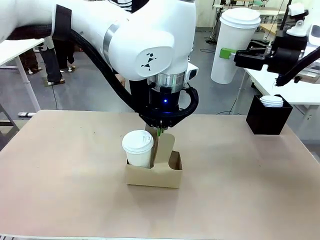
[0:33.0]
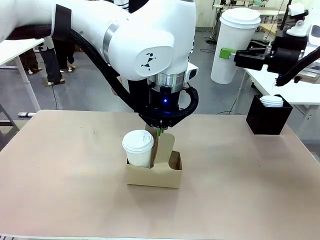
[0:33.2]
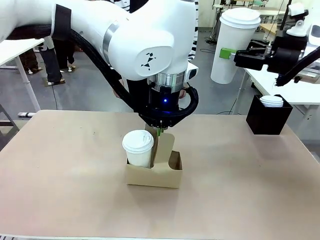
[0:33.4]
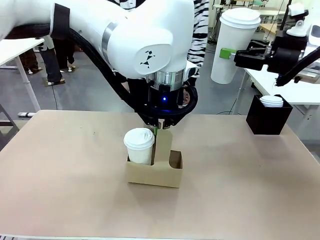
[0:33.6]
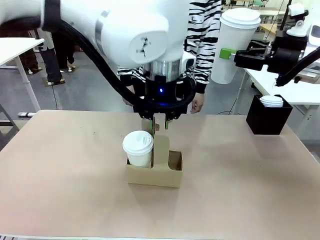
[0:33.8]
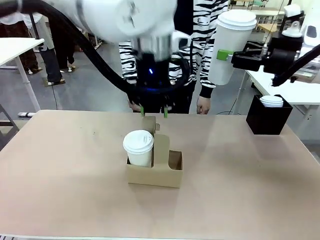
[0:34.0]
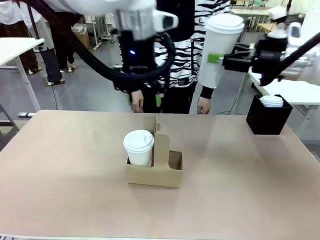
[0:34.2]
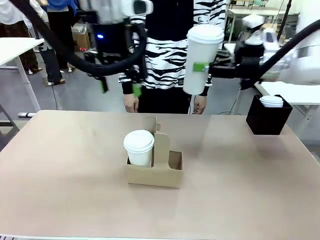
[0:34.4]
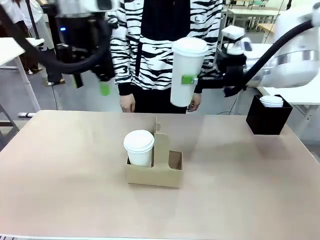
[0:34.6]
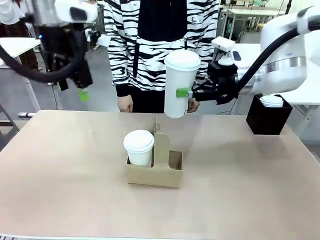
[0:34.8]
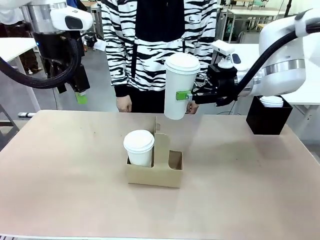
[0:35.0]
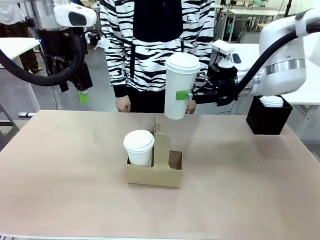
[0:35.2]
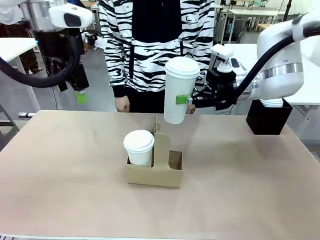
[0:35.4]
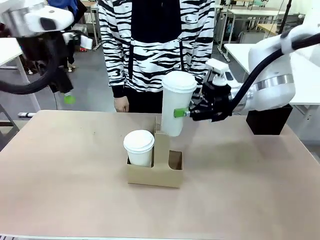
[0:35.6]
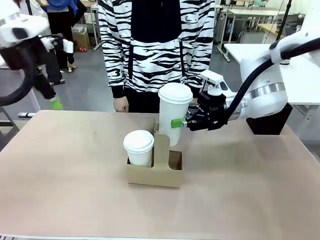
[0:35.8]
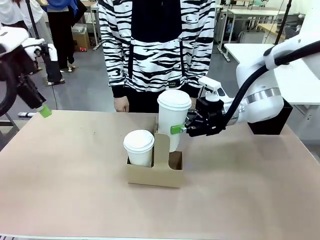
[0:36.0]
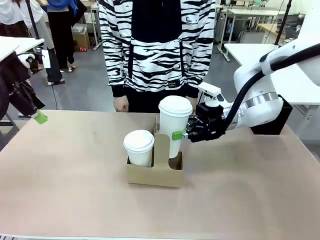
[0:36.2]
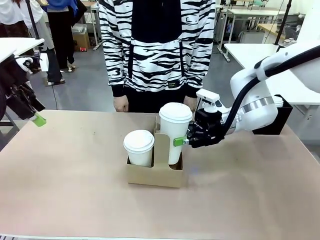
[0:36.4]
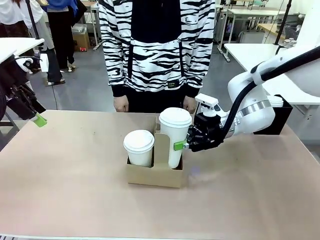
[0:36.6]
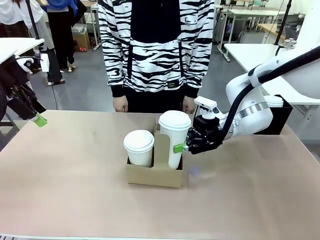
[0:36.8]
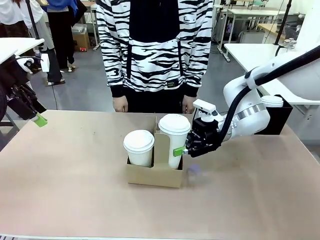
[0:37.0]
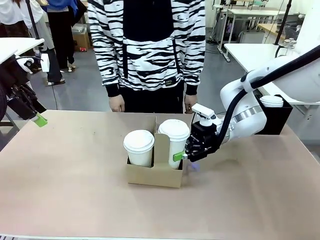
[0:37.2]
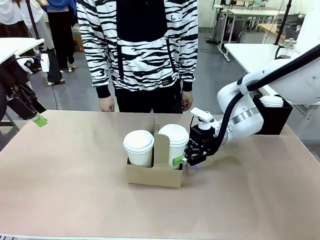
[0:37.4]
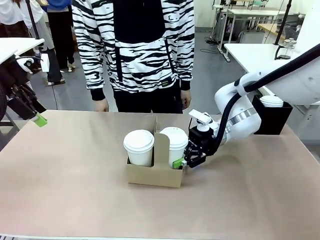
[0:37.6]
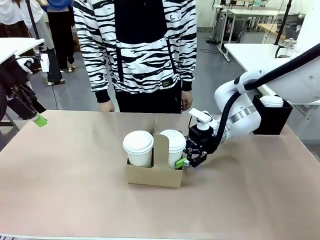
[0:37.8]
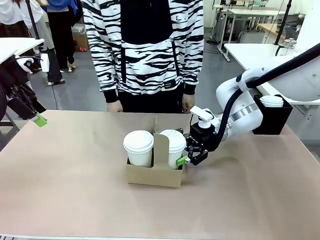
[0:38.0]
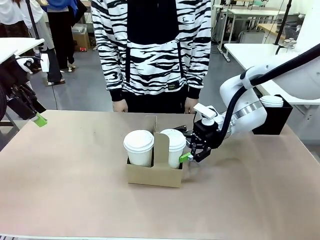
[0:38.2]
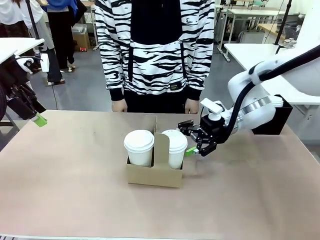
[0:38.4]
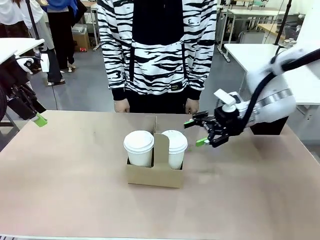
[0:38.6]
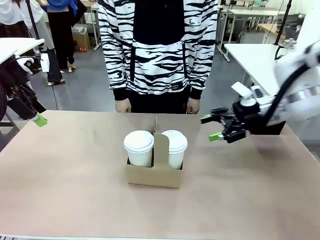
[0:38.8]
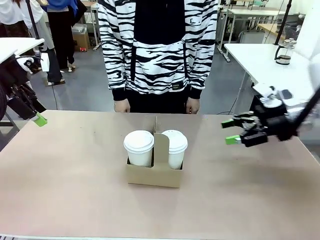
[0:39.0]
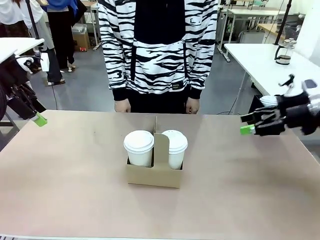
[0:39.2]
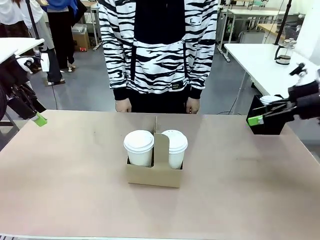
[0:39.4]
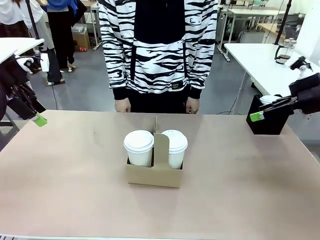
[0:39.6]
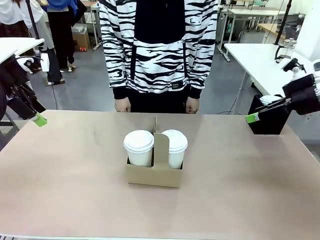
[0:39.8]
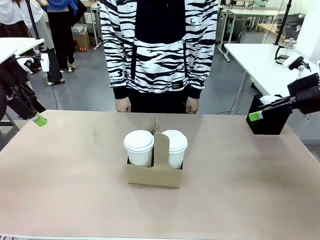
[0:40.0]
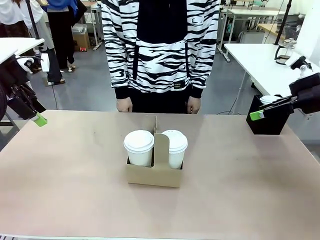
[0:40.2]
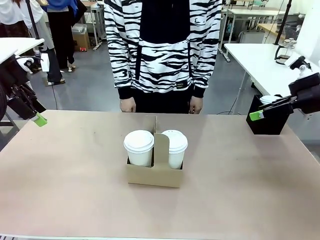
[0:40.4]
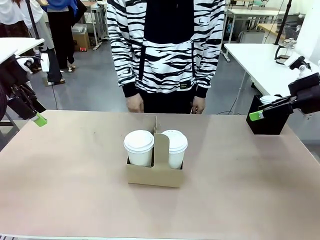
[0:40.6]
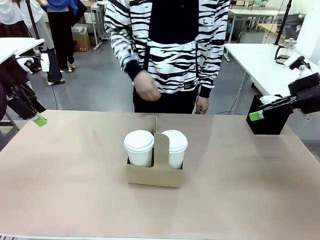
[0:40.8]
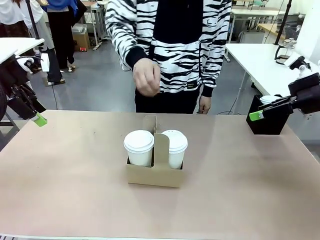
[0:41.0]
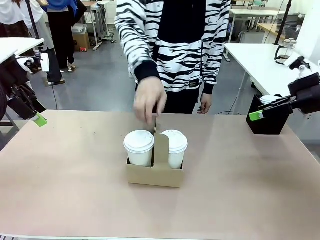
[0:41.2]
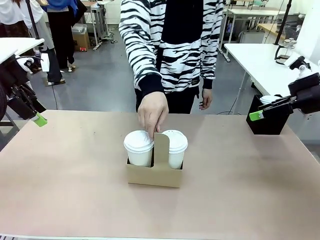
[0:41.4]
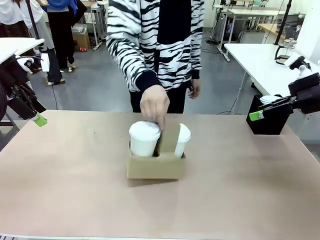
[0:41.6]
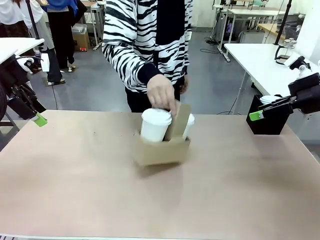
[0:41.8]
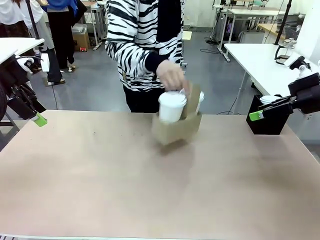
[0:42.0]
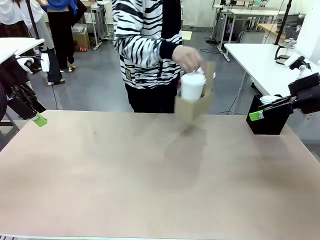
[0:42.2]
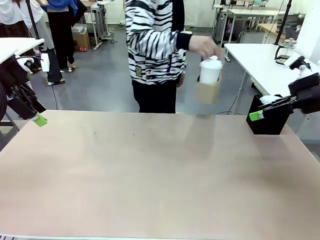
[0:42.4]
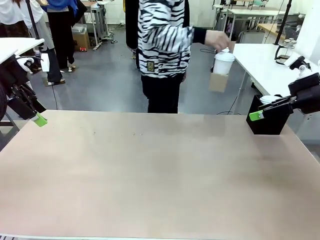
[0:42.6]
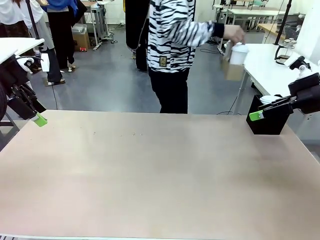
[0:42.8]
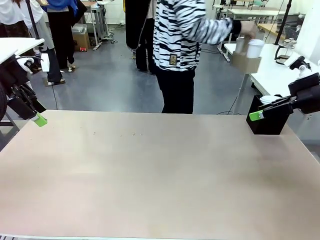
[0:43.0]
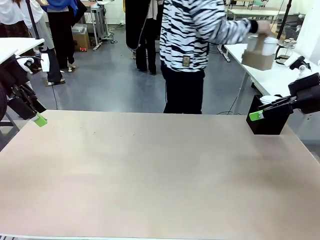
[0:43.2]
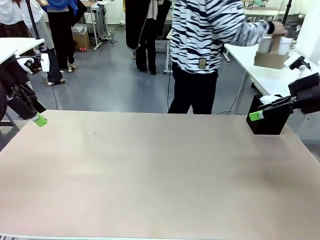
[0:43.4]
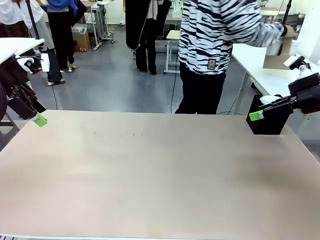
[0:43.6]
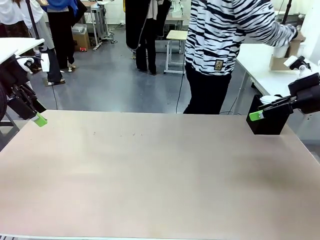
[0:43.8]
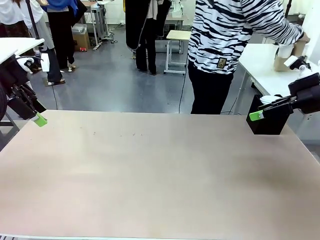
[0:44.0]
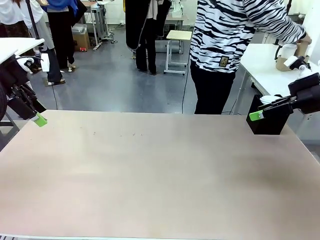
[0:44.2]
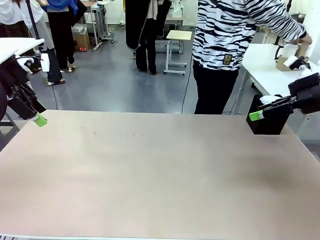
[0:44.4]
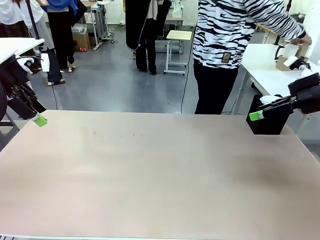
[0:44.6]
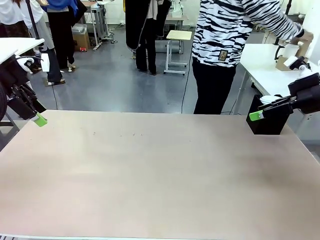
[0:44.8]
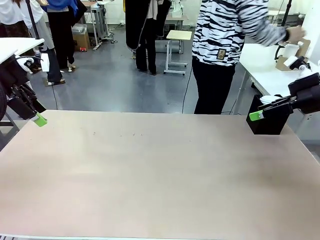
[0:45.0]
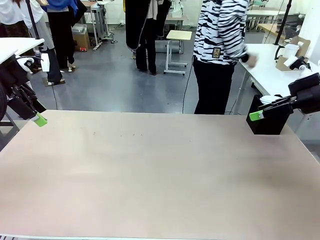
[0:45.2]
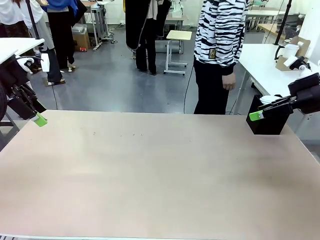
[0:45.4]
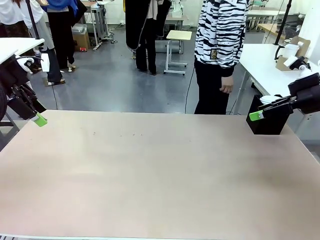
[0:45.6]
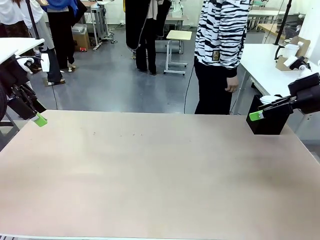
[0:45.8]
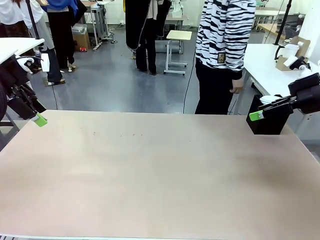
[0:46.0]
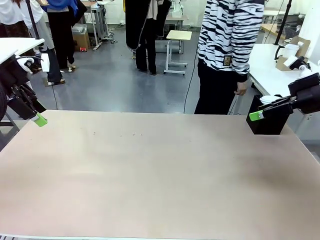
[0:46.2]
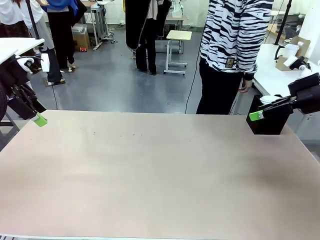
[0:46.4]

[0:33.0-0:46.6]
Task: Pour a drink into a cup and package it in a carrier.
Robot: Insert the held 600 ml Paper Cup into the Cup Carrier.
Person: Place the Cup Carrier to the middle of Human table.
